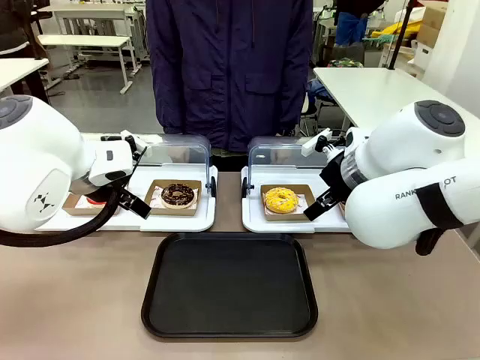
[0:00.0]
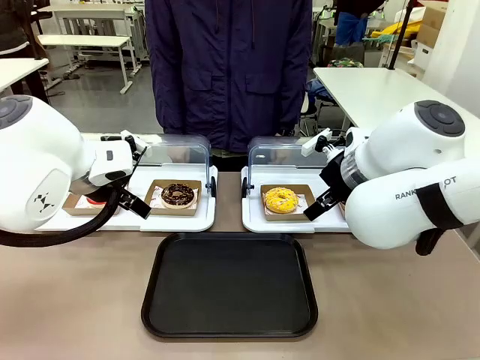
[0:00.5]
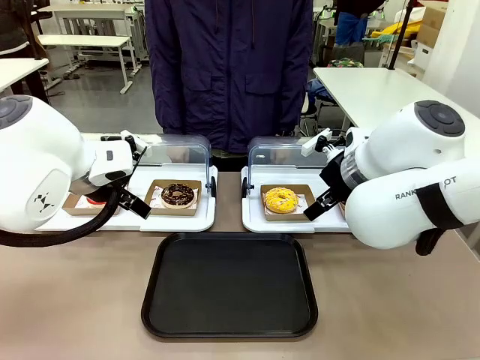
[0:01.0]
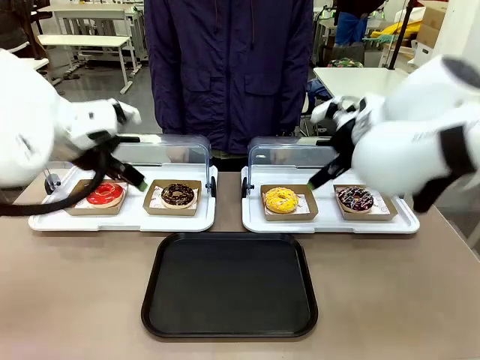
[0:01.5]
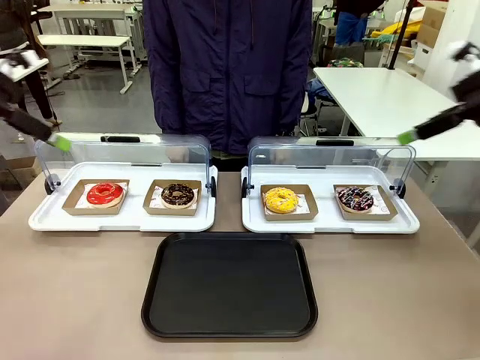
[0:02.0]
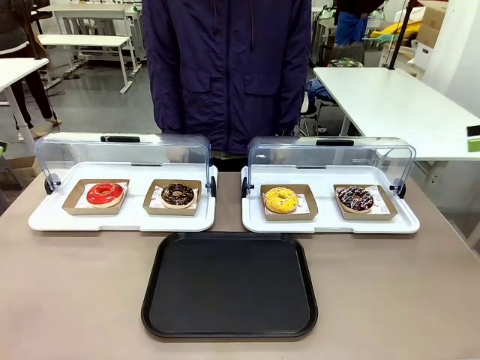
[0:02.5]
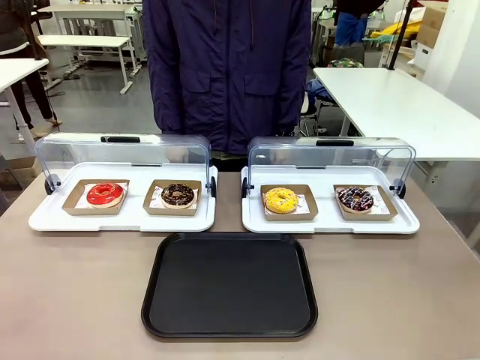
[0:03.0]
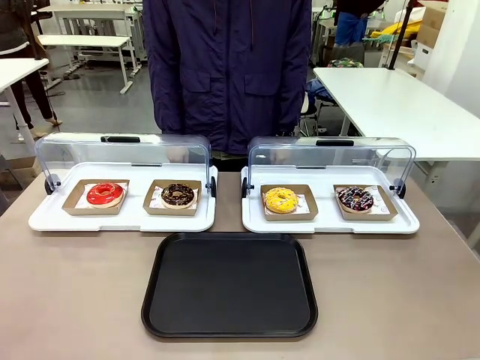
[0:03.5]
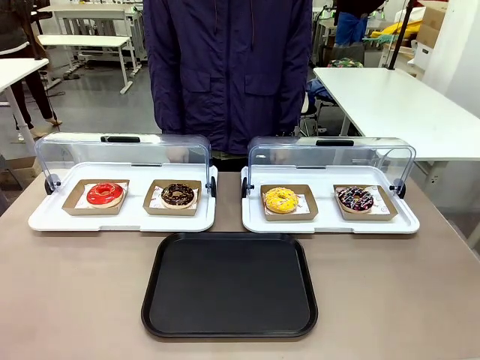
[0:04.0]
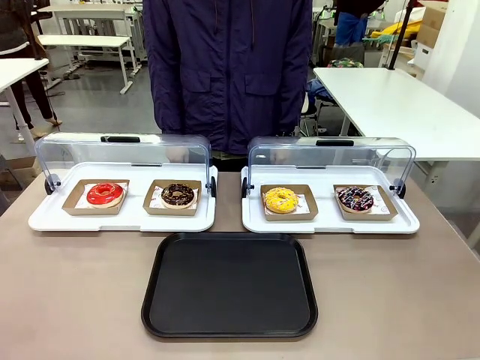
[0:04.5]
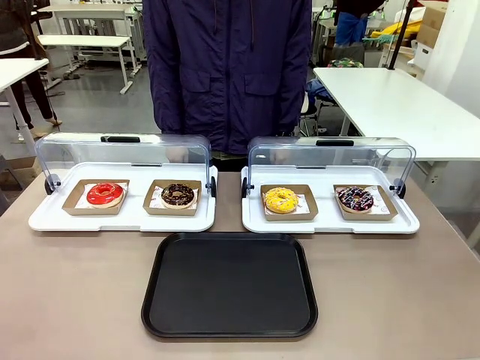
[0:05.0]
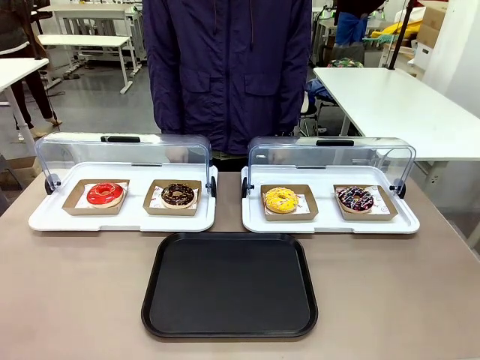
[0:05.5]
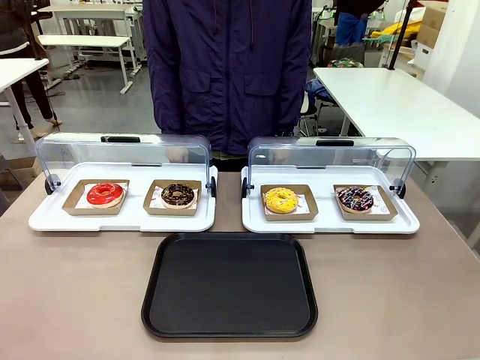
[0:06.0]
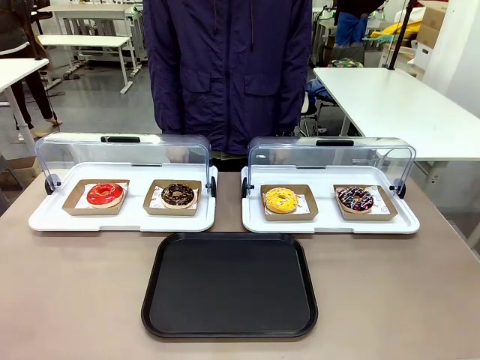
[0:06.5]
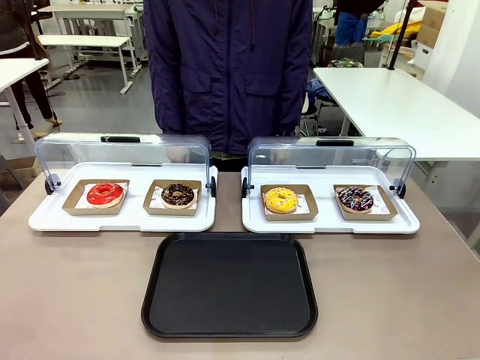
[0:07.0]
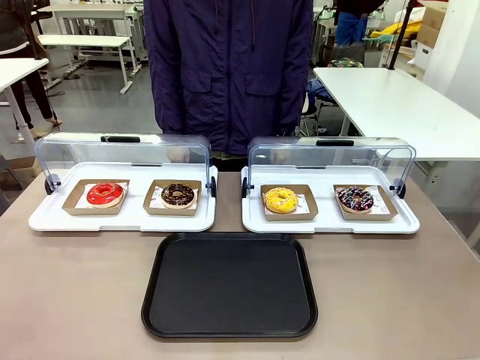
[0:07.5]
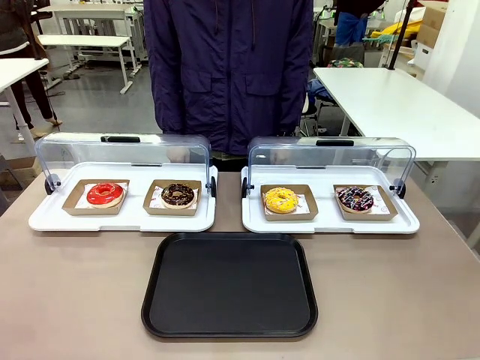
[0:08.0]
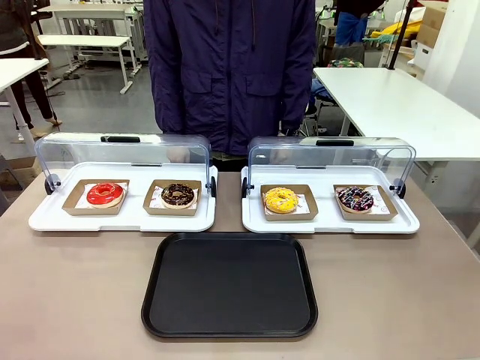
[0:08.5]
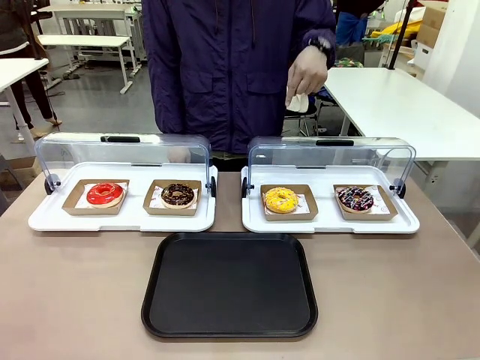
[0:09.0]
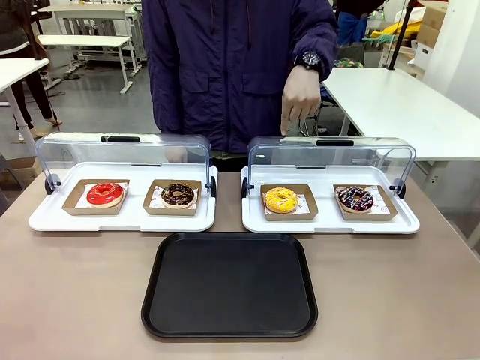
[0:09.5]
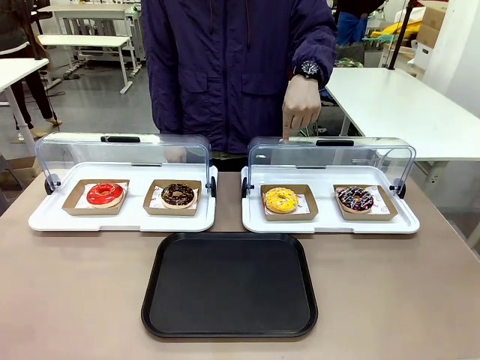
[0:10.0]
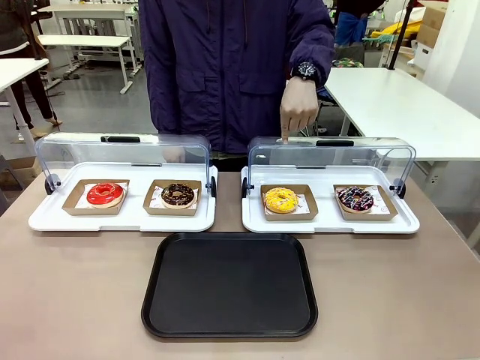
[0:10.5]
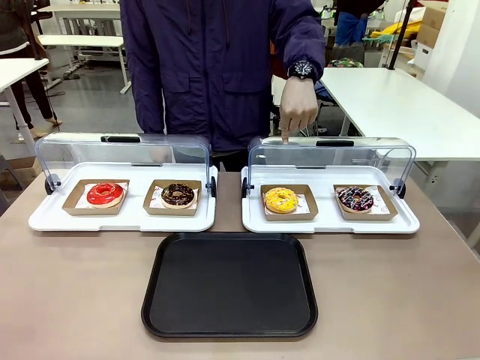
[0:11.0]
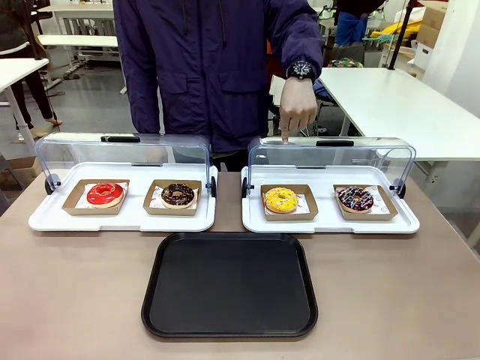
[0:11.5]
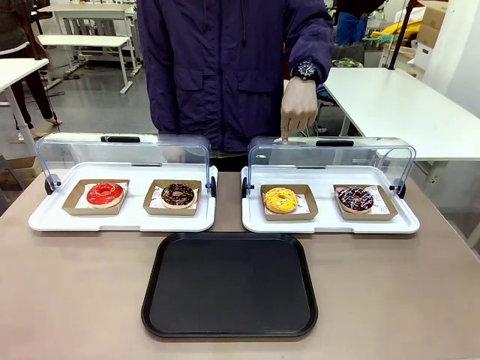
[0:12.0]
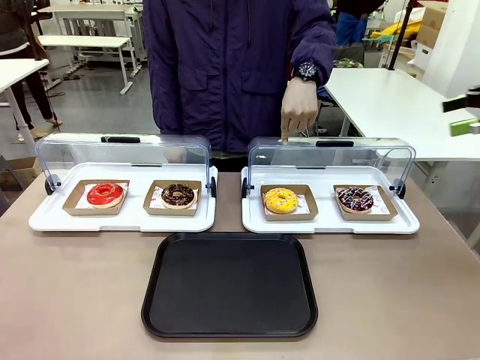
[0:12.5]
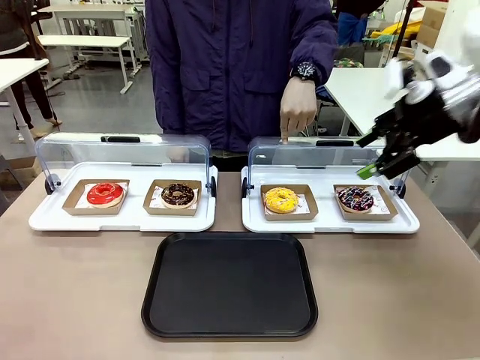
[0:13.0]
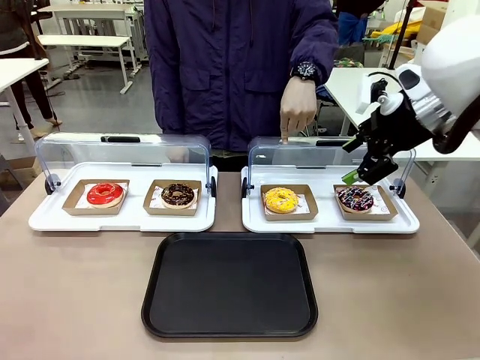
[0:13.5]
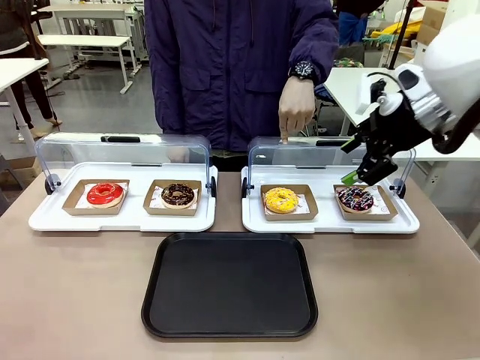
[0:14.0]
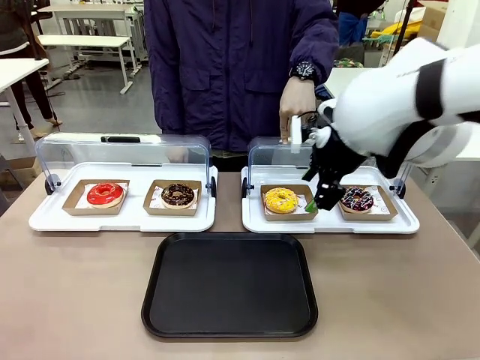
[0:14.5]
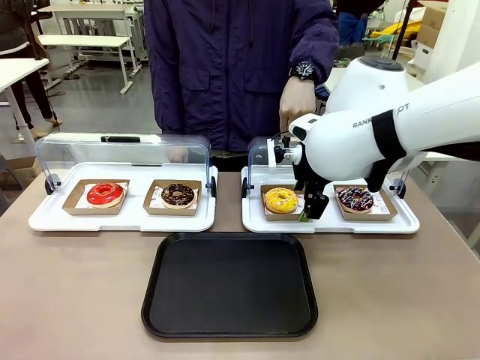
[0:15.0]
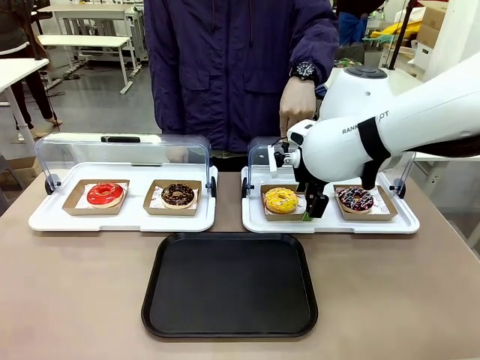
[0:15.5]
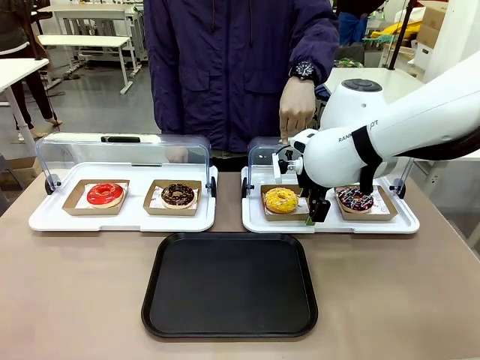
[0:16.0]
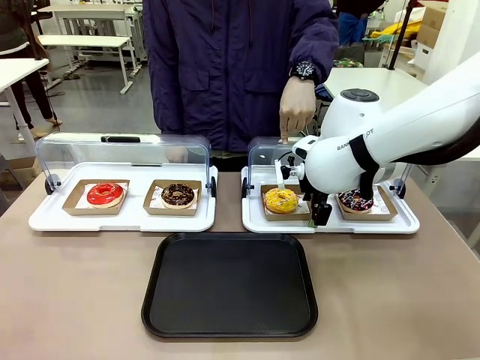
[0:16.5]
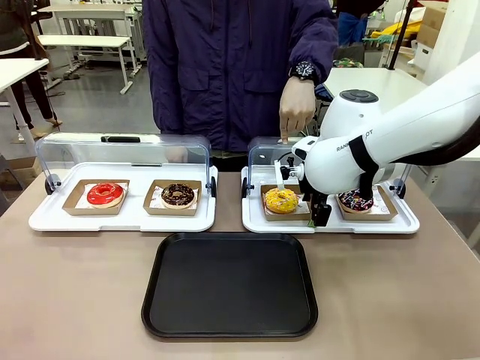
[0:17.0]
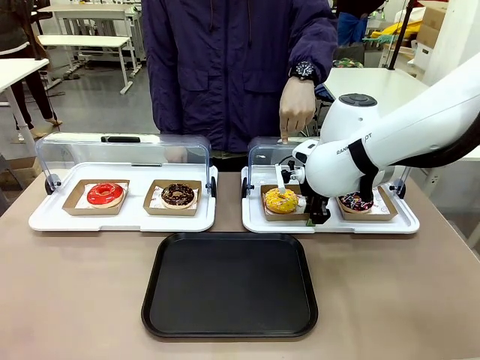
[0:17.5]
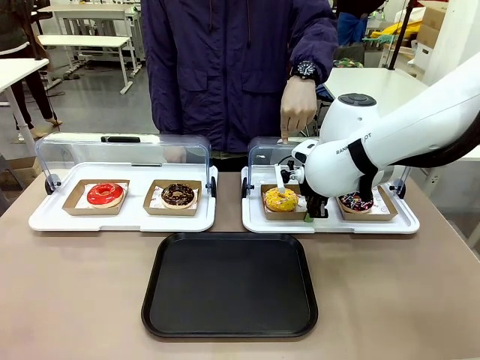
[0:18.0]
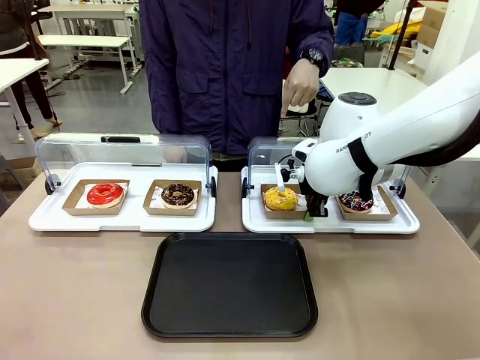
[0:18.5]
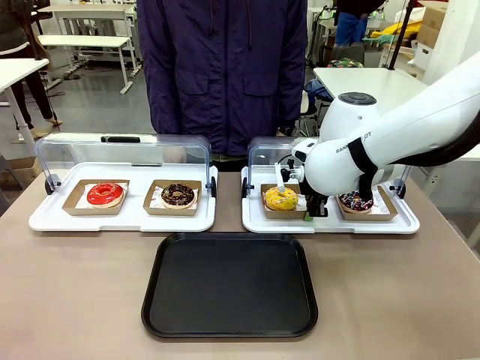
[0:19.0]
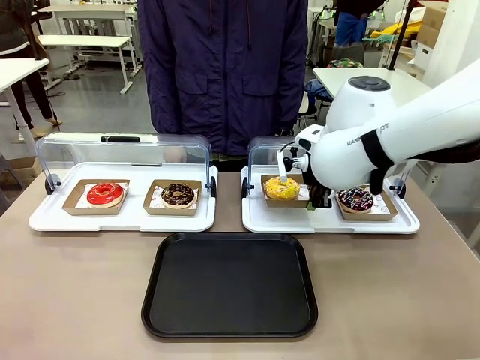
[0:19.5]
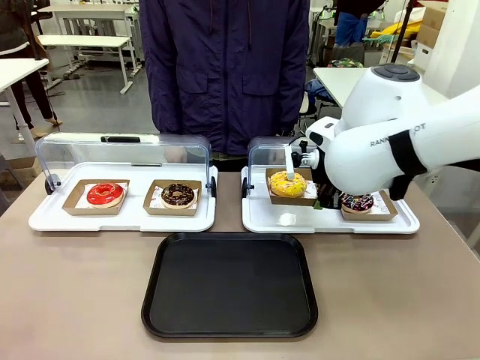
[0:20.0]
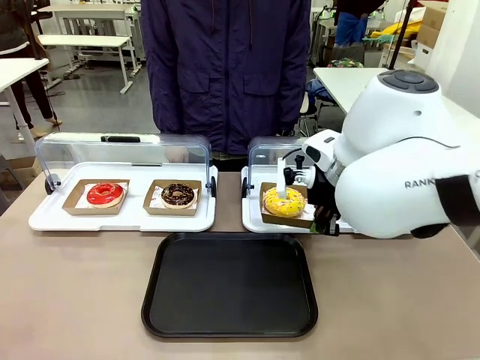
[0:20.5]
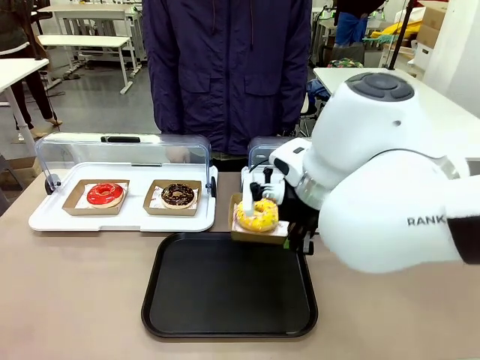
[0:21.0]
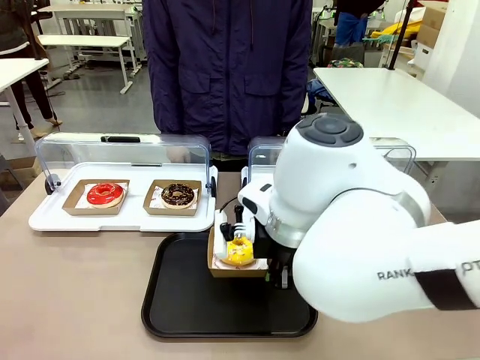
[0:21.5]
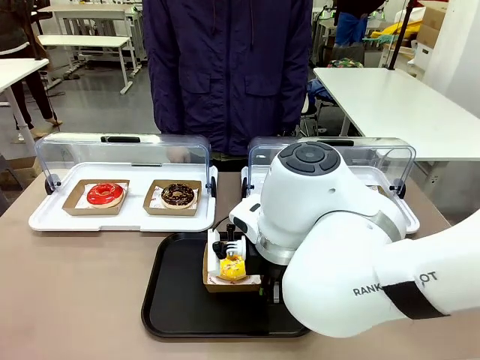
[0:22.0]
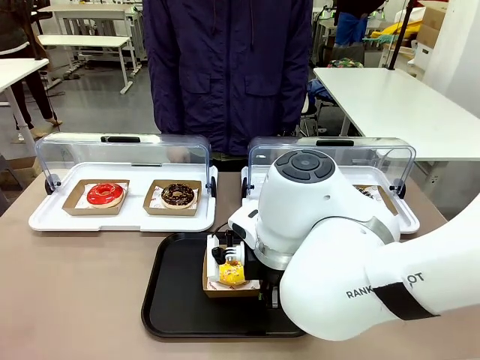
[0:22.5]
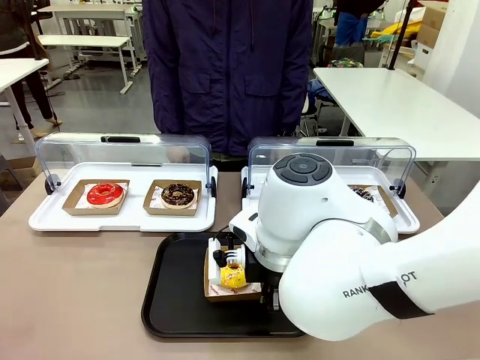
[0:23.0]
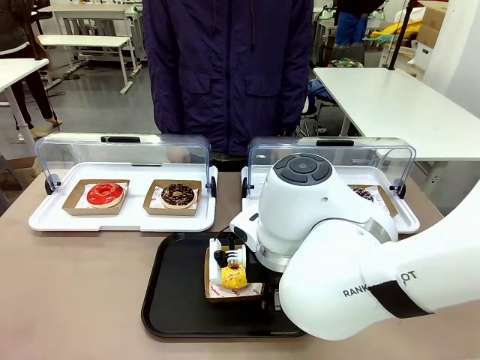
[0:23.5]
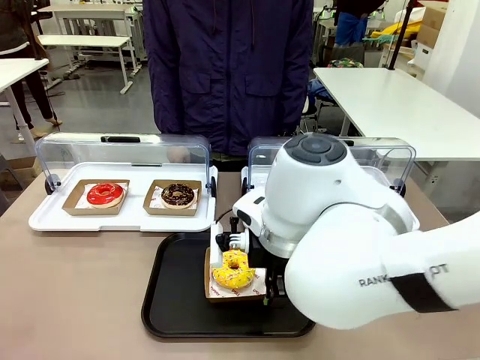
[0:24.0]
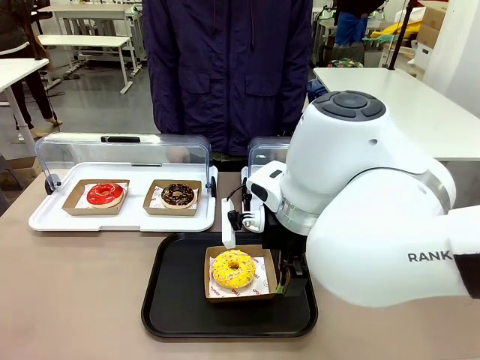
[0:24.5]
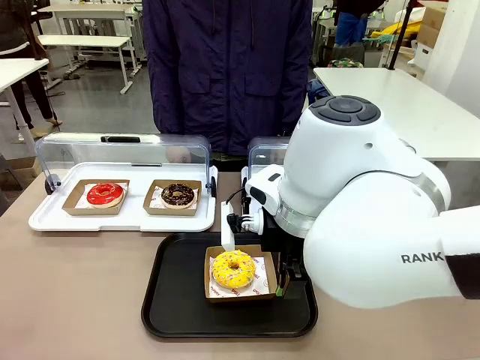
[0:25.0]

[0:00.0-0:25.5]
Task: Move the third donut from the left to the tray.
Robot: Pick up the Paper togo box containing the Donut indicated by the person and place it on the Handle tray.
Person: Points to the third donut from the left from the robot’s perspective.
